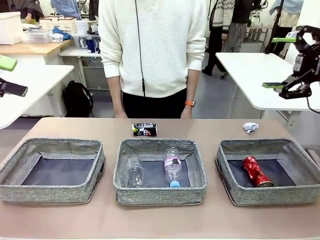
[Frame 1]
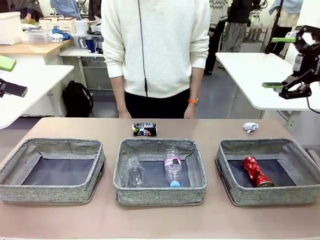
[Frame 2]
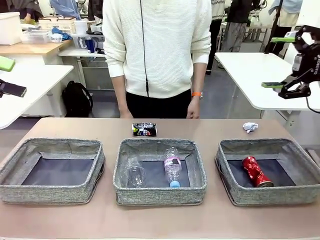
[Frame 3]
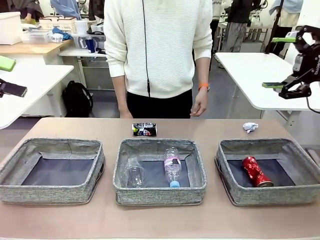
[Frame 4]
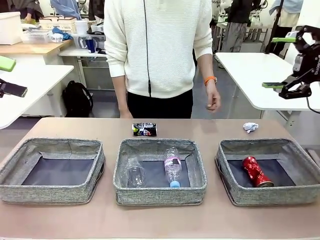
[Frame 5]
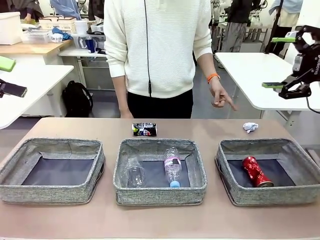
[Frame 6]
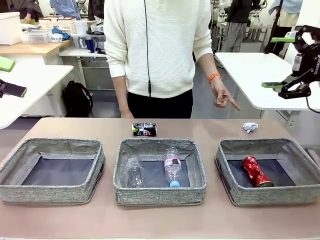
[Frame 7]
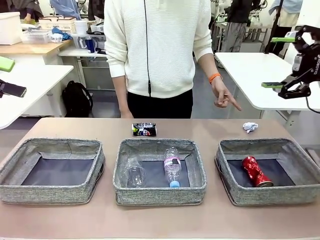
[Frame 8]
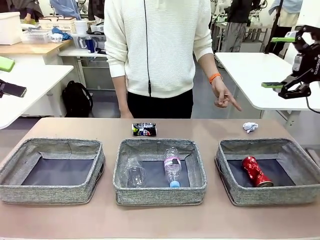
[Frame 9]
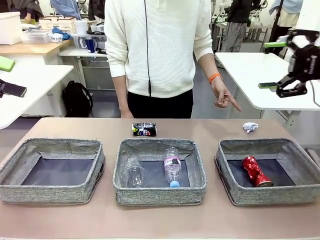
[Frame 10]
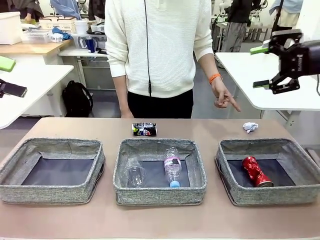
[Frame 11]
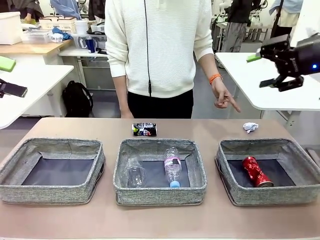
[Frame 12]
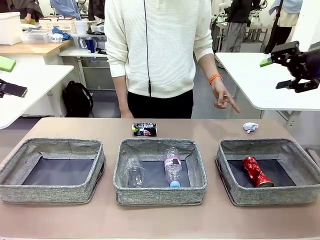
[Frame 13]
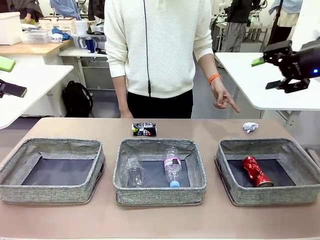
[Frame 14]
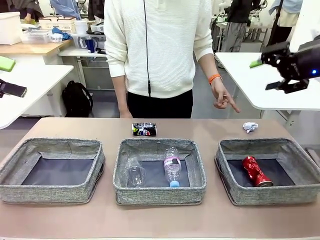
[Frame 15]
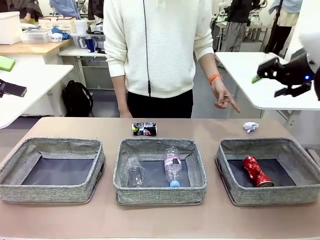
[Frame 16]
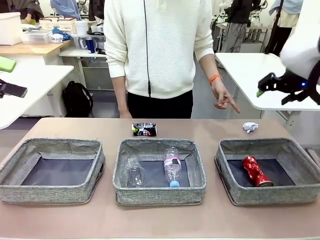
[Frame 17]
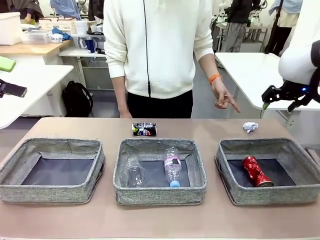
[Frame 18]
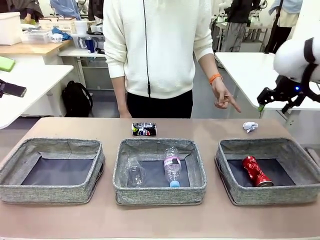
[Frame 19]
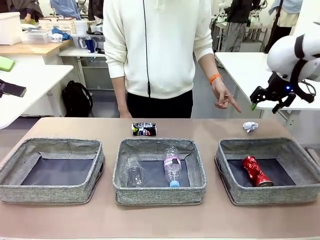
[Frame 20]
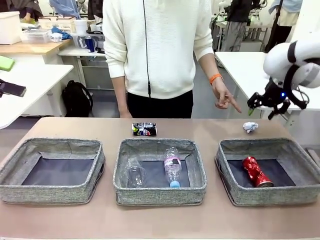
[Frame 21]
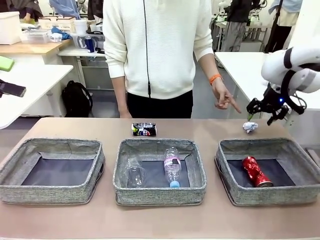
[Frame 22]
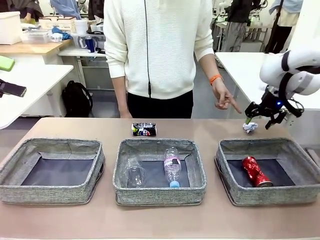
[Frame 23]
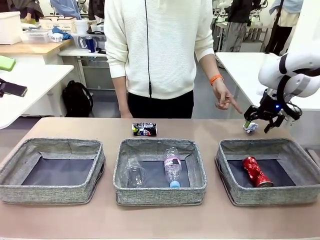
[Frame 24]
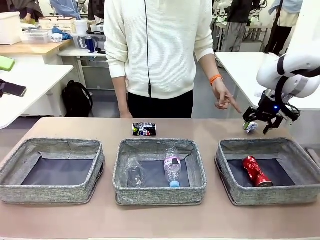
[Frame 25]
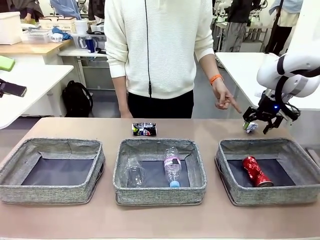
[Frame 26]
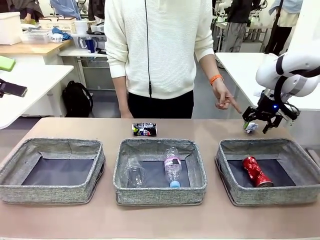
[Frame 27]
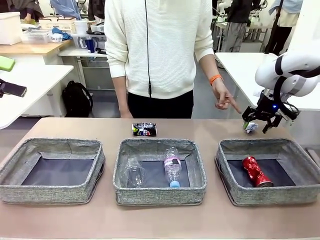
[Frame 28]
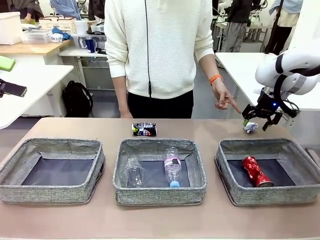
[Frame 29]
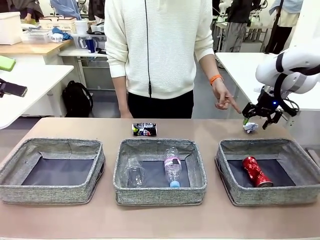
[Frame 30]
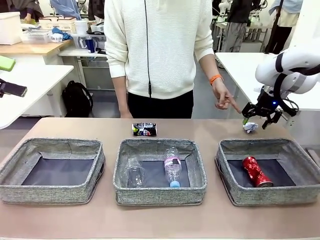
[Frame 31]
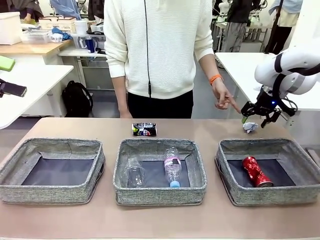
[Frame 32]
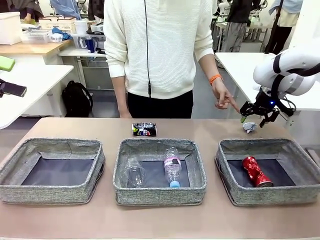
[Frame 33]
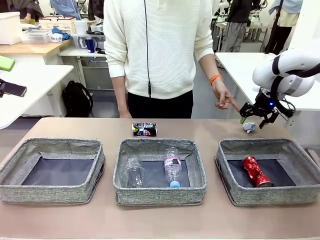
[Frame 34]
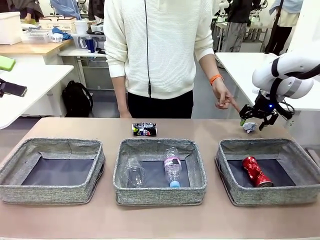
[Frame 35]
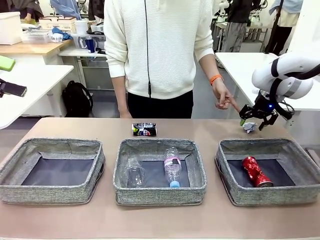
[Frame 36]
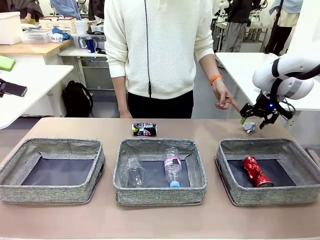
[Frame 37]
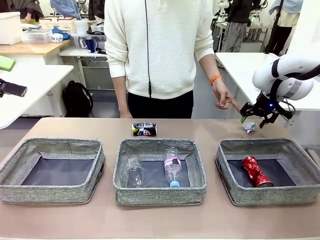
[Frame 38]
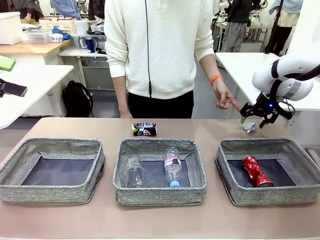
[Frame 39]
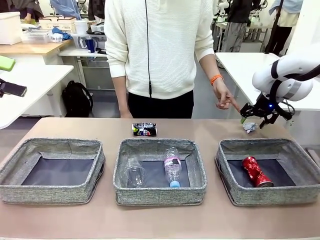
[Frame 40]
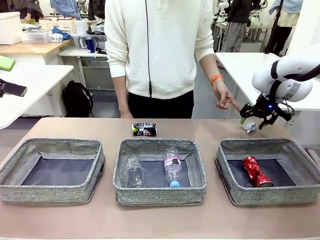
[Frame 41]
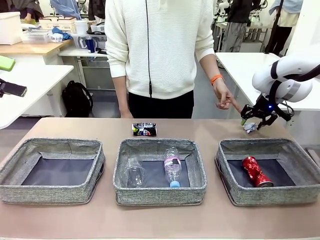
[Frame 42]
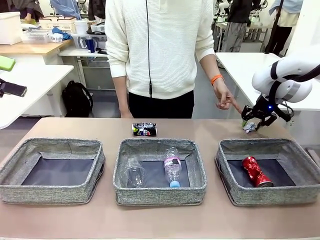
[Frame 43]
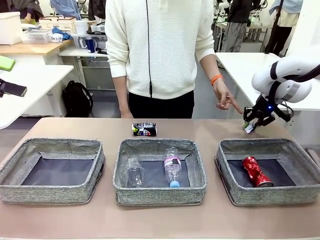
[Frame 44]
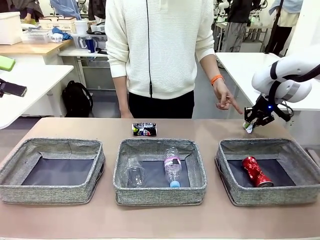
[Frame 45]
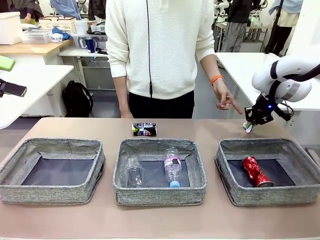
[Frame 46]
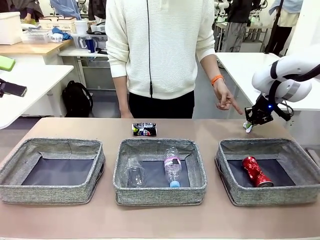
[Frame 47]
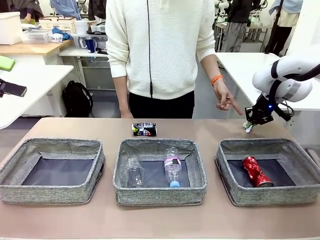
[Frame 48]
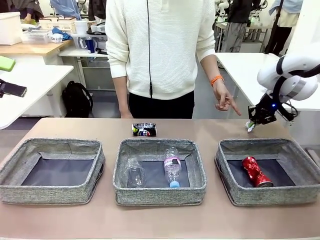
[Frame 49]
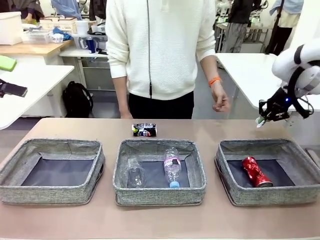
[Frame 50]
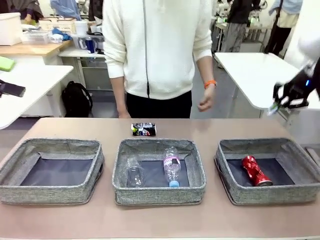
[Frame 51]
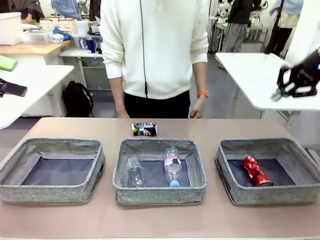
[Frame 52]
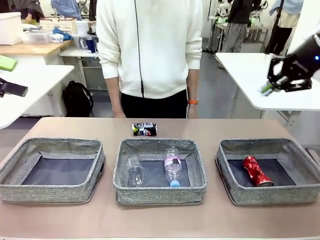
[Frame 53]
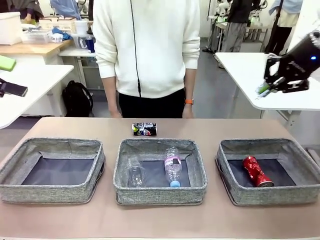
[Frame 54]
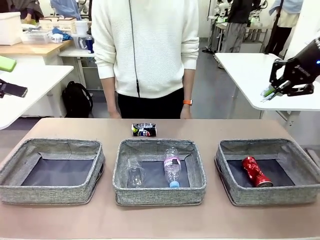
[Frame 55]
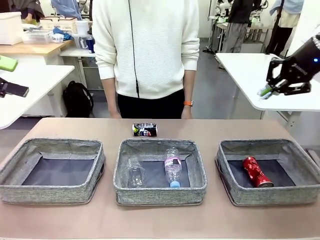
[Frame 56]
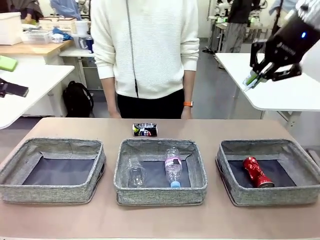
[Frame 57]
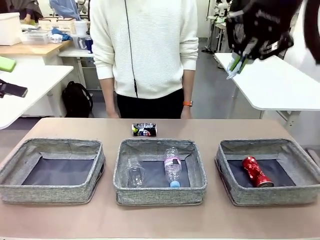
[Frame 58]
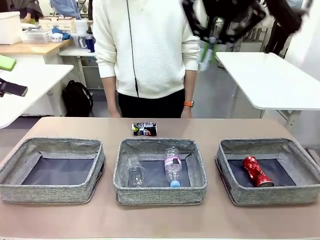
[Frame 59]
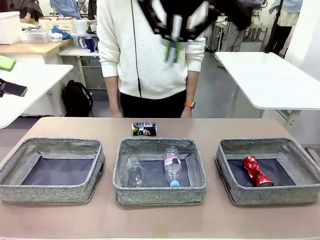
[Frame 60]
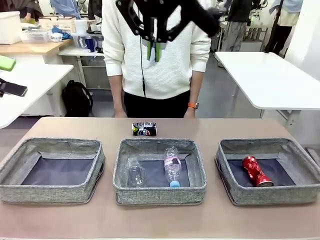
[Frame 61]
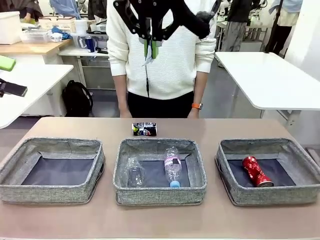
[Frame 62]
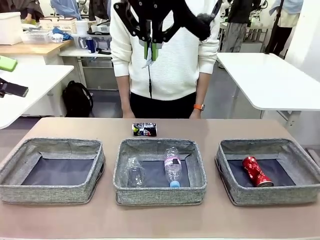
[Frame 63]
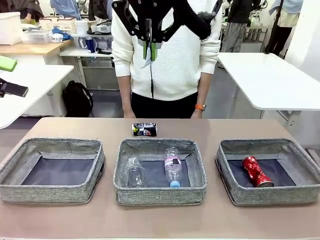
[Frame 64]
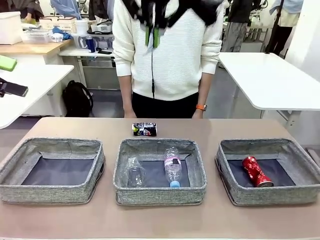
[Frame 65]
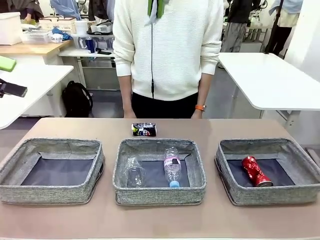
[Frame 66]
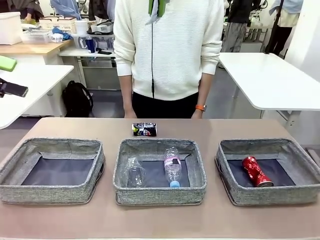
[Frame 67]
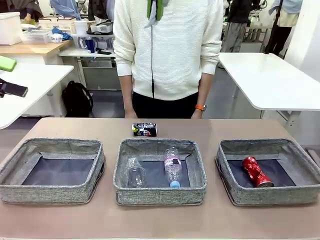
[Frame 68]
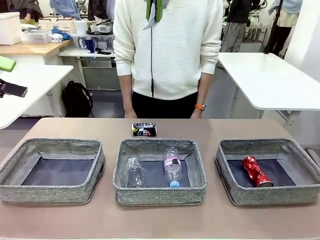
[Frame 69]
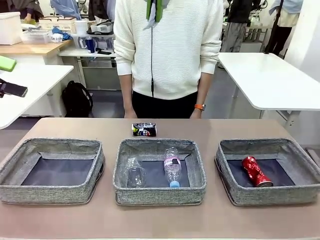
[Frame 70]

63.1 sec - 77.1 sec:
Task: Sort the waste into the appropriate baskets.
Robot: Pick up the waste item pointed out by the person.
Person: Points to one piece of trash on the table.

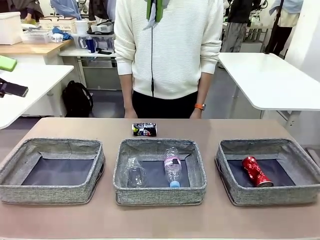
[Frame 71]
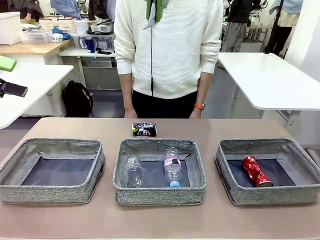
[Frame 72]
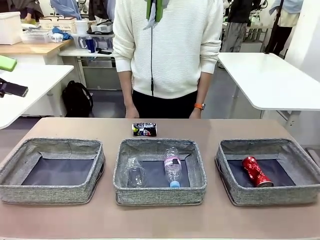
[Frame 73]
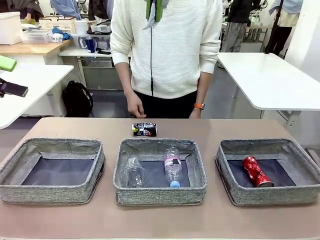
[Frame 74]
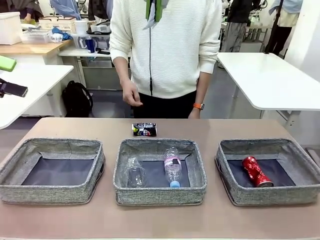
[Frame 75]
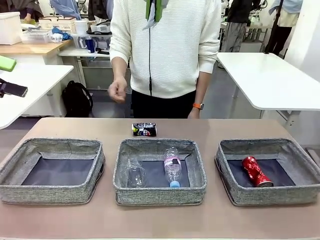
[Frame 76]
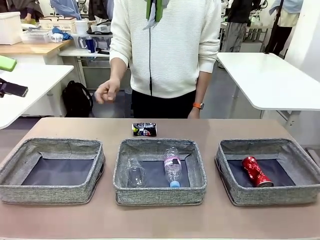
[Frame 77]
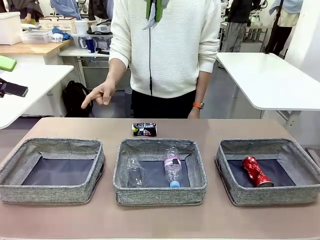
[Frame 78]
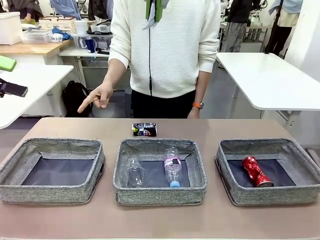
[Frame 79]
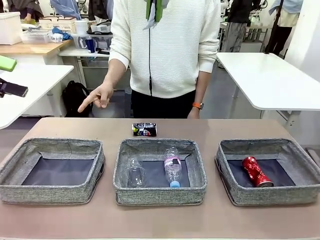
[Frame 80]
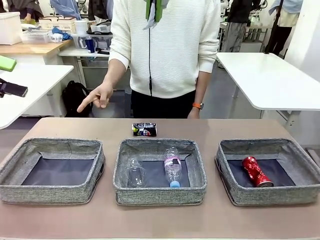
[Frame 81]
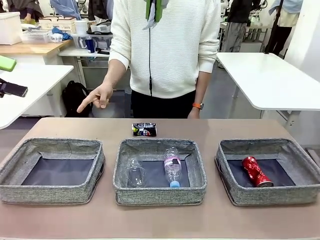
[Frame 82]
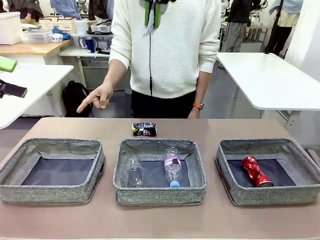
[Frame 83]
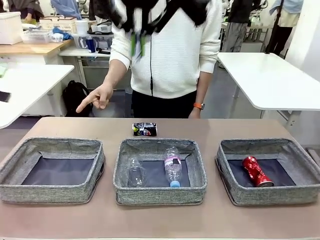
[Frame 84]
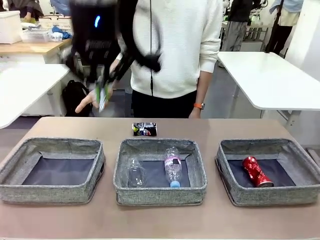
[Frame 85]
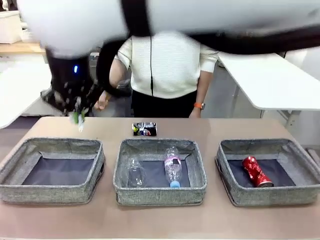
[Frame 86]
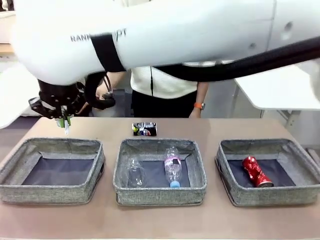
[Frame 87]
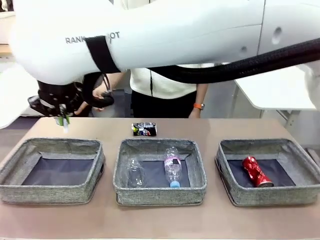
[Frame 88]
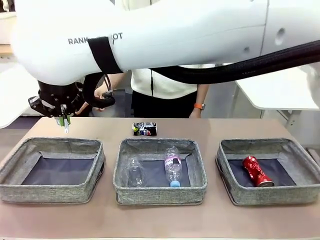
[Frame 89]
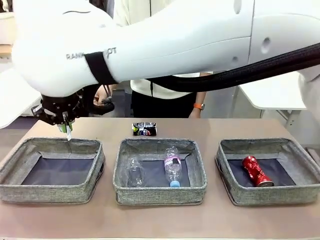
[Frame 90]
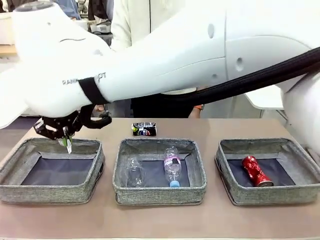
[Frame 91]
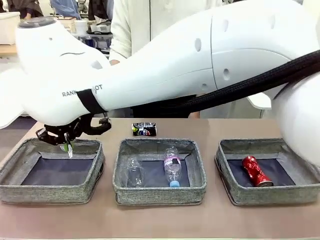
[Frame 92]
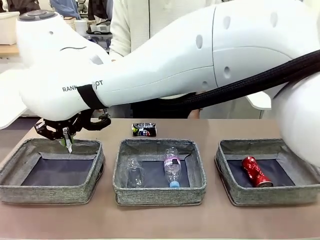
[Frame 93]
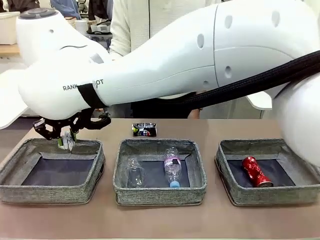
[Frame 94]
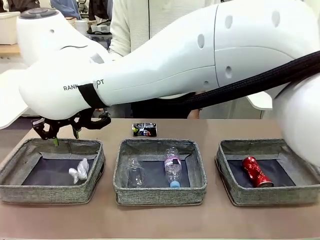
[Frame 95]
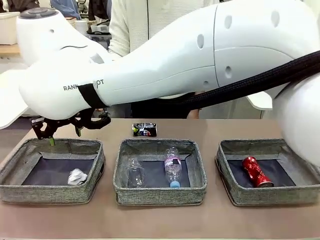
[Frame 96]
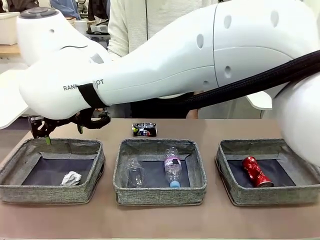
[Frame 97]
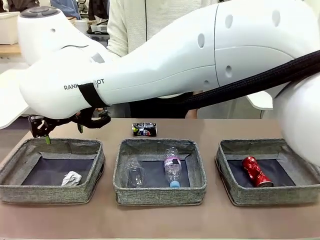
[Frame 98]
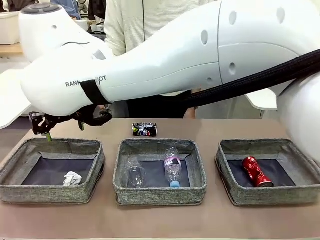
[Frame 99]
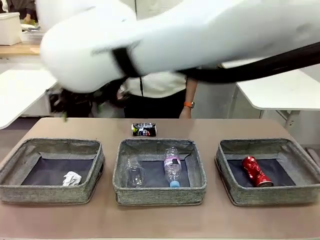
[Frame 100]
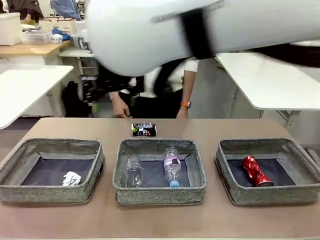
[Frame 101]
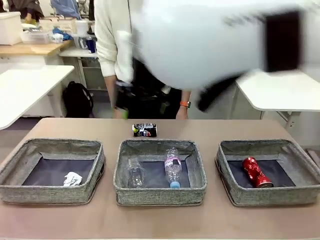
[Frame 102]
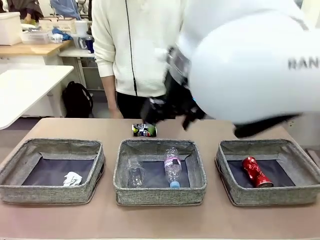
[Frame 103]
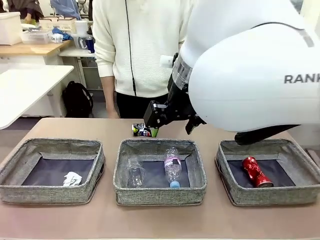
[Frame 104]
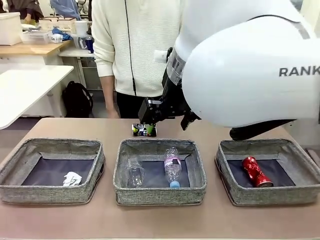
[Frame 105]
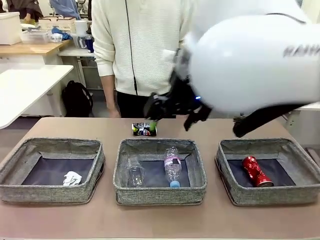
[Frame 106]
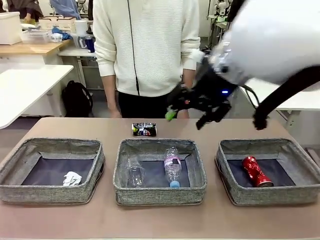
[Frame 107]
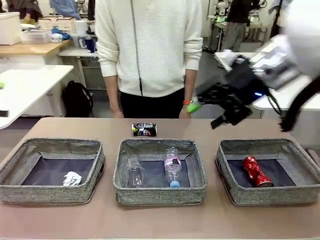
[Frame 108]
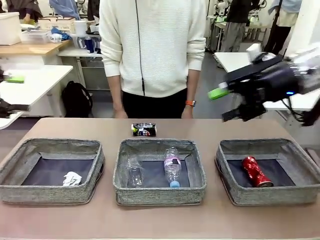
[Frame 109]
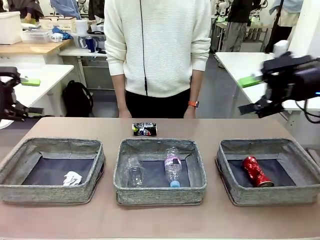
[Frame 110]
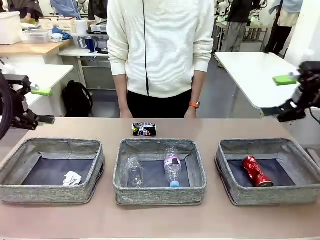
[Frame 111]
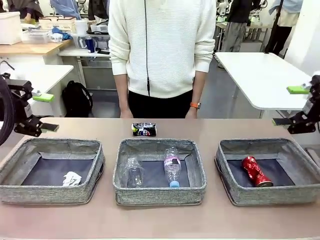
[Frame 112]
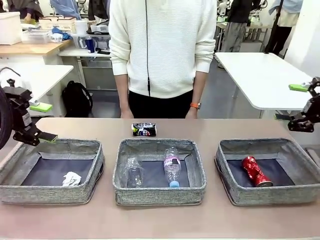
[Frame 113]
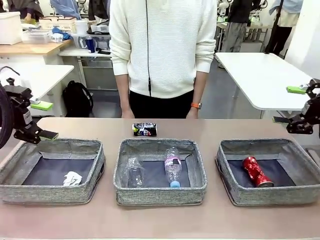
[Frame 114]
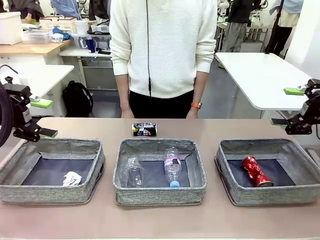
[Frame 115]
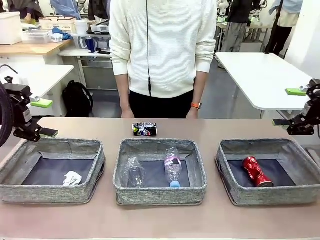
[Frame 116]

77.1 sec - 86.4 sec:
Robot: Place the picked waste into the Fabric basket indicated by the person.
Person: Instructs the robot to place the picked-up trash into the appropriate organizing basket.
